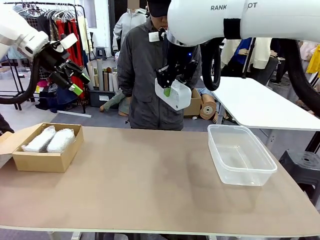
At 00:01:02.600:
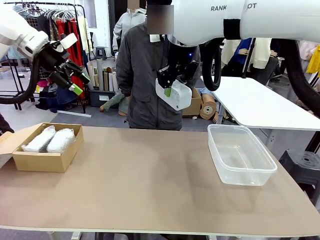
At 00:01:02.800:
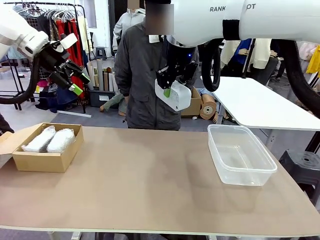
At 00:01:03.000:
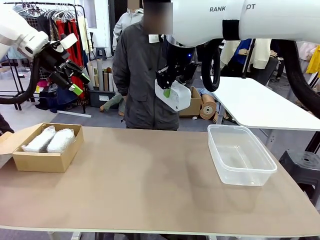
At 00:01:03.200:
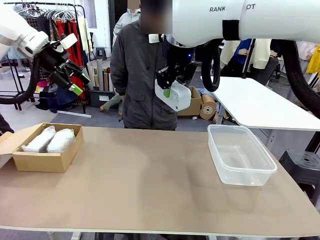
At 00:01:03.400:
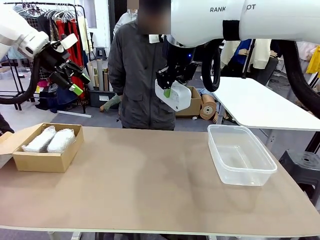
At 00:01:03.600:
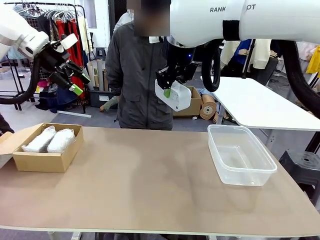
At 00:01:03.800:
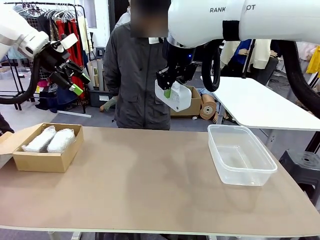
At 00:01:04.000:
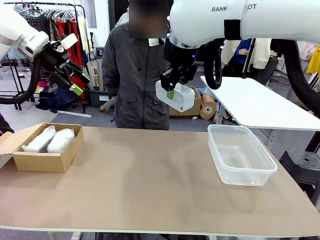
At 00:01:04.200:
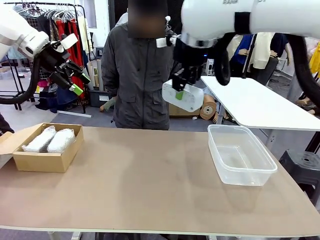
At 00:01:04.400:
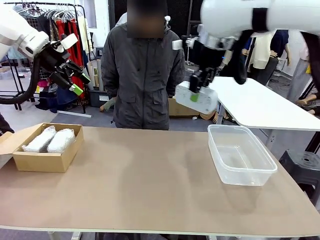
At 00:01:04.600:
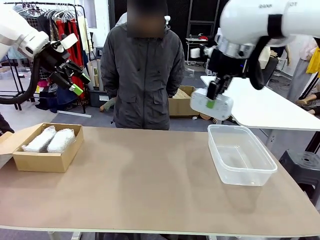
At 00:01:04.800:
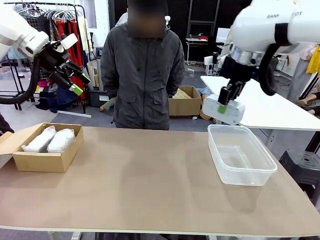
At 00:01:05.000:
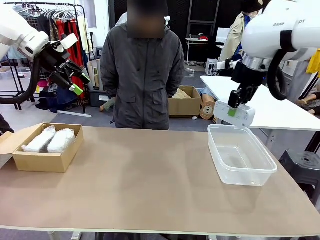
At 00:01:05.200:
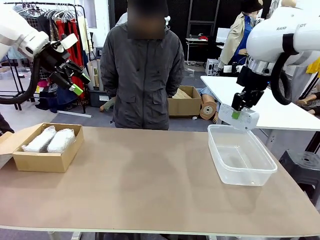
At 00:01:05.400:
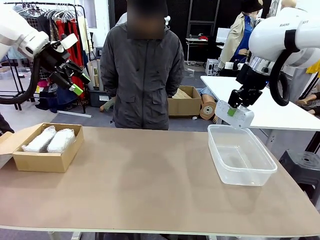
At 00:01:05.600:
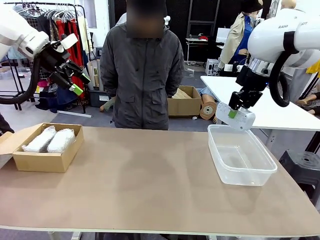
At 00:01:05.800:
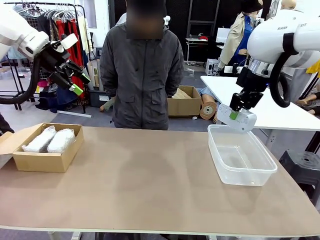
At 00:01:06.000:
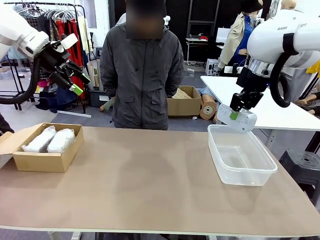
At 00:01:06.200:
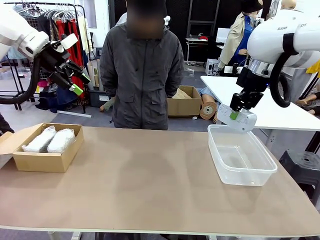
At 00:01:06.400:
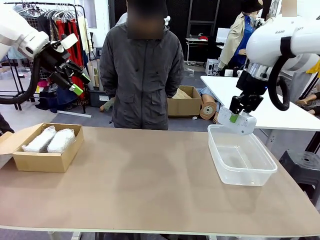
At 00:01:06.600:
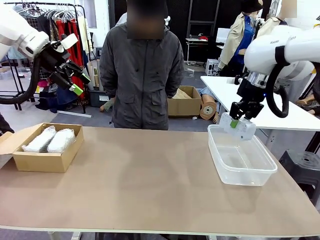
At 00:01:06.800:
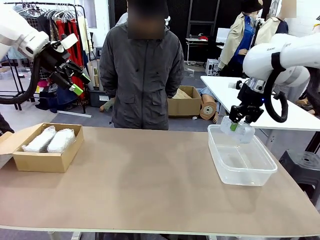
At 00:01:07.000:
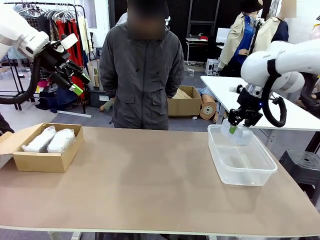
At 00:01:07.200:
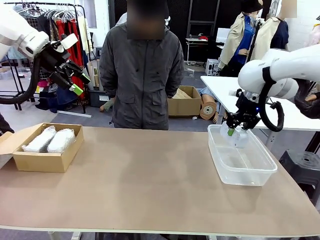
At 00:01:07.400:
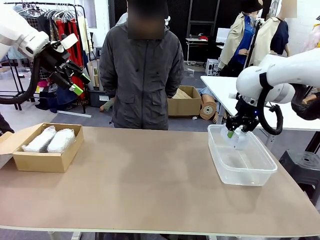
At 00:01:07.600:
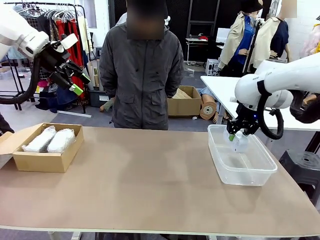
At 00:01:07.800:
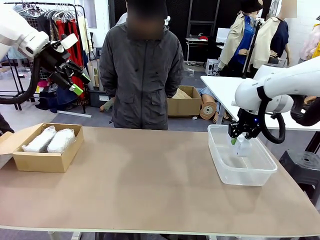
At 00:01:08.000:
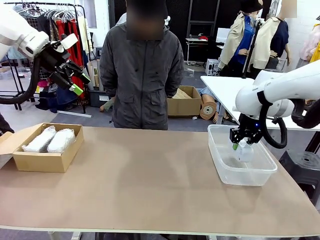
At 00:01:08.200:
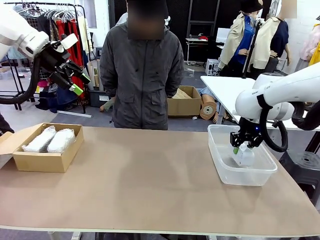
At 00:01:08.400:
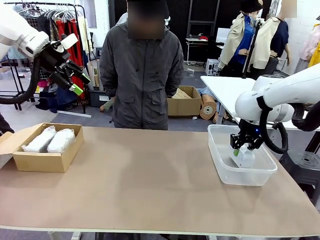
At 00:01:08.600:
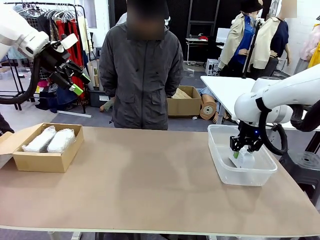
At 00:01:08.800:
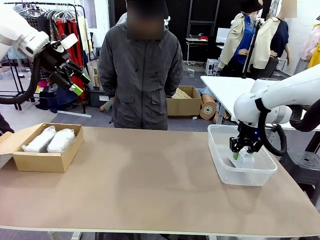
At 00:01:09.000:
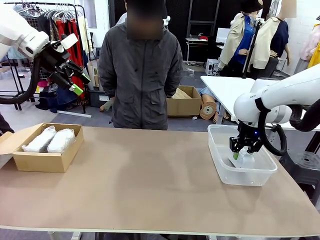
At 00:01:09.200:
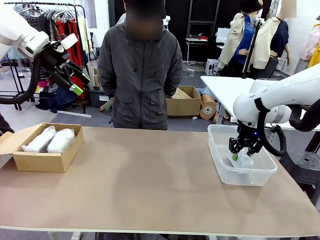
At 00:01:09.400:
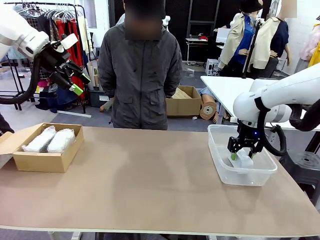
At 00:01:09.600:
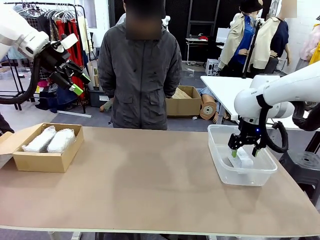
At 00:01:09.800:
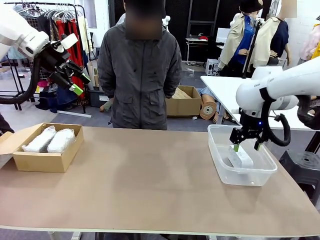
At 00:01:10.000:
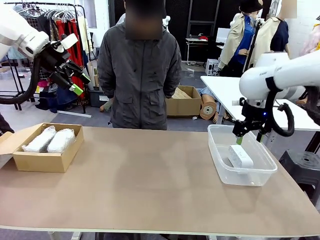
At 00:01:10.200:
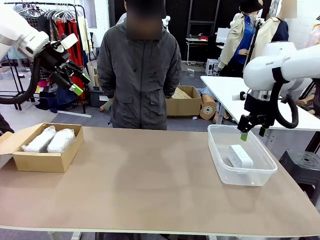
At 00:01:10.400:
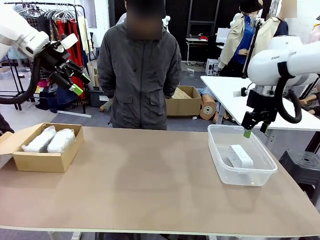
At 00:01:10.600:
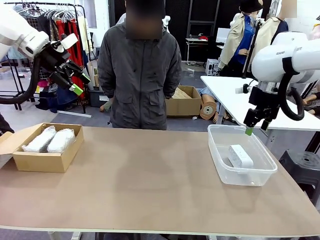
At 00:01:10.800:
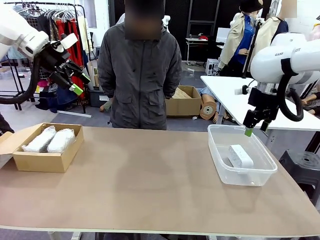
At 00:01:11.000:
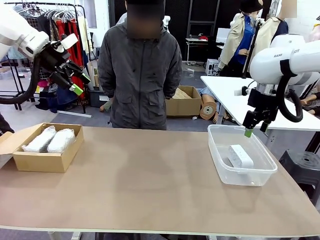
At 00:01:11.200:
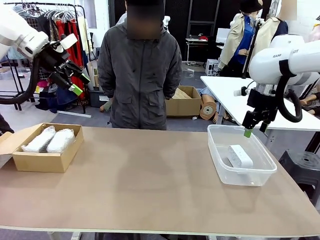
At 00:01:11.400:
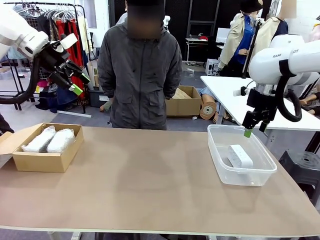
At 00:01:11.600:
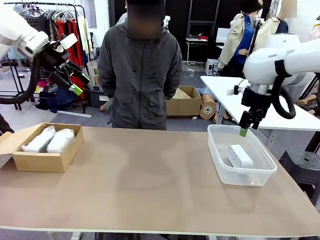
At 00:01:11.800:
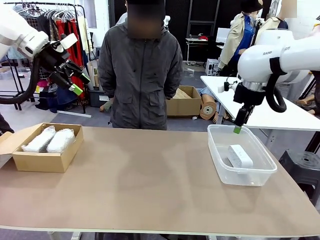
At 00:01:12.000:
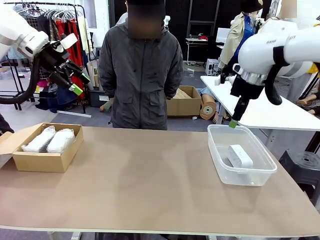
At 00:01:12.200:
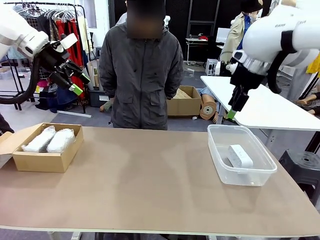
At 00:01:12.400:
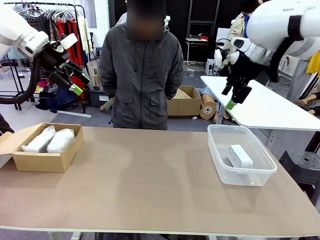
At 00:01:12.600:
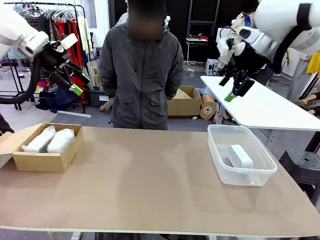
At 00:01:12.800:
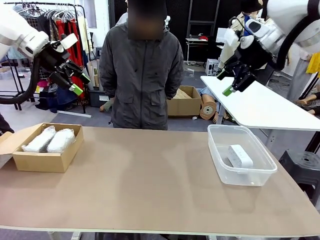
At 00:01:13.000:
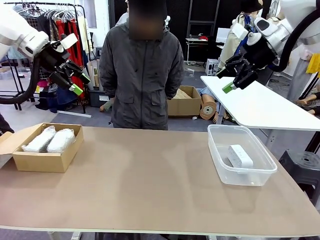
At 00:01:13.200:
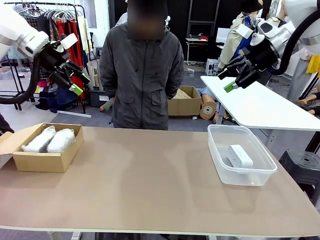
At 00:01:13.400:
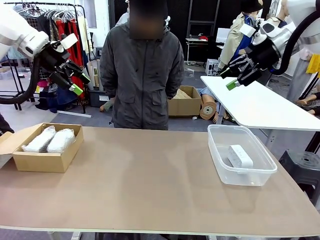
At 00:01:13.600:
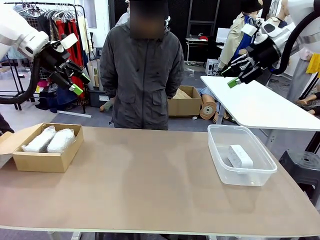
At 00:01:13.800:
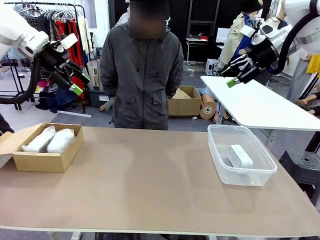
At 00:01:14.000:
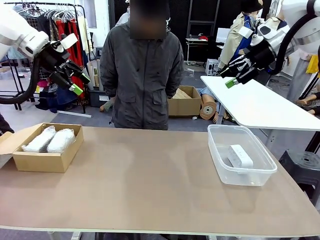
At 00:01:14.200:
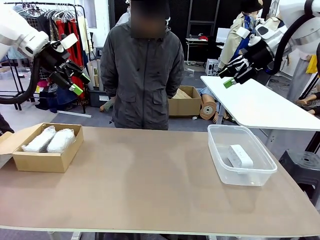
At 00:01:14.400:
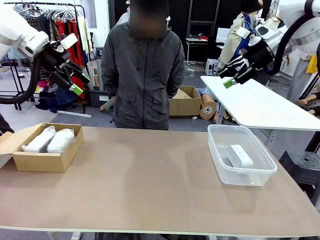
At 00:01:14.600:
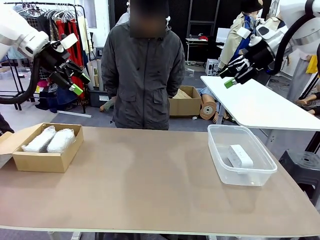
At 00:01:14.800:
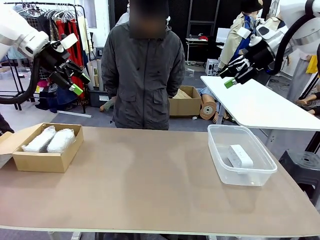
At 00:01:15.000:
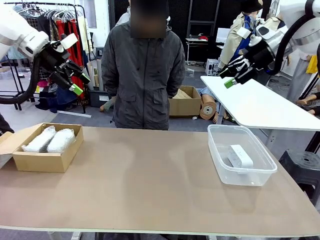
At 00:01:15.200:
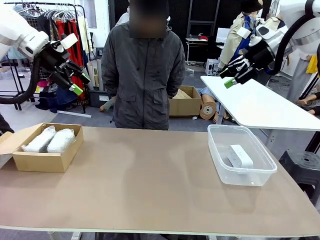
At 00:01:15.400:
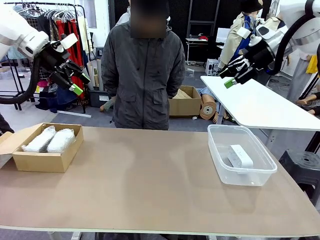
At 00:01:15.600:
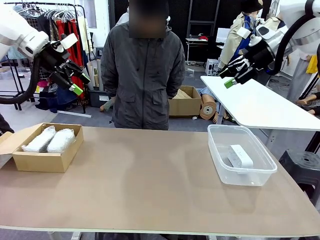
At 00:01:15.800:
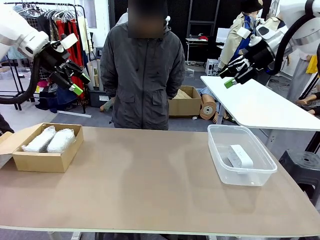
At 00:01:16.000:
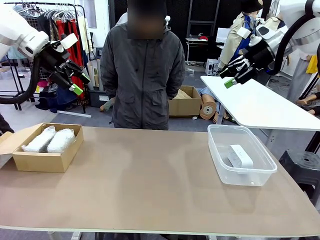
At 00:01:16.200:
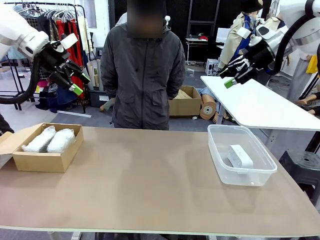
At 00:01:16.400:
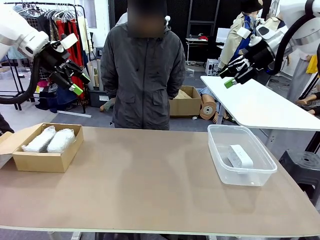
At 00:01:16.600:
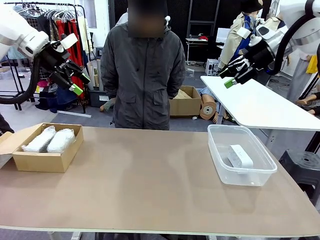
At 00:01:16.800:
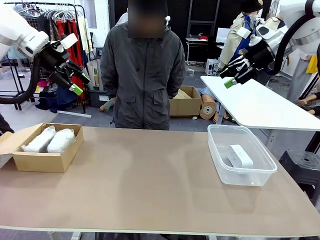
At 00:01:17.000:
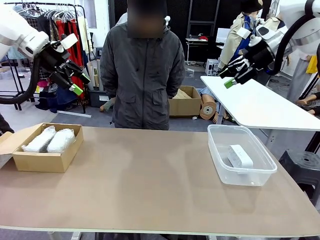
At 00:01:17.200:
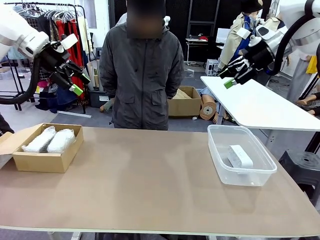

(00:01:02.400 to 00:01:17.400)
Task: Separate and place wrapped and unwrapped clocks.
Robot: If the picked Digital clock is wrapped, place it in the Package Box ; if not, place it in the Organizing box.
